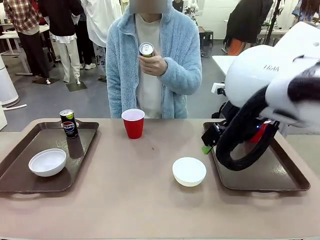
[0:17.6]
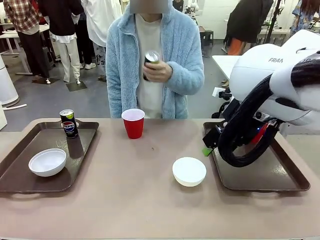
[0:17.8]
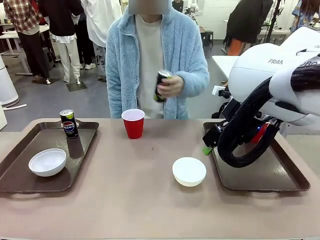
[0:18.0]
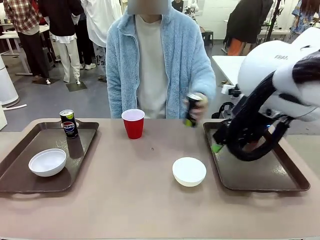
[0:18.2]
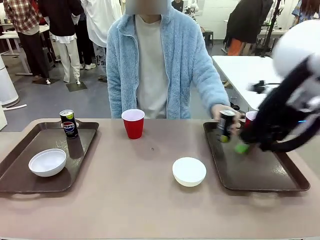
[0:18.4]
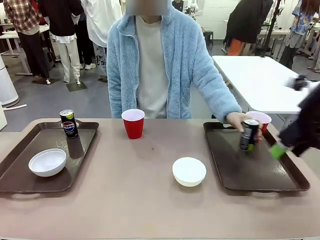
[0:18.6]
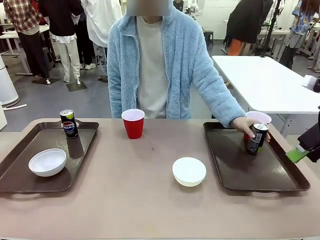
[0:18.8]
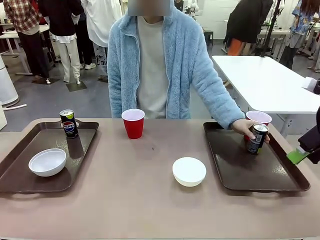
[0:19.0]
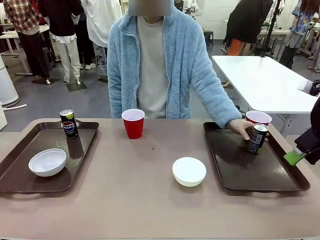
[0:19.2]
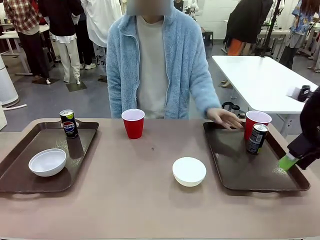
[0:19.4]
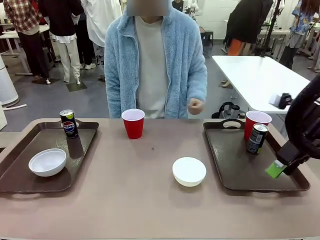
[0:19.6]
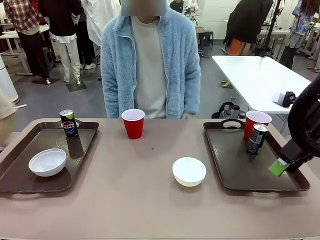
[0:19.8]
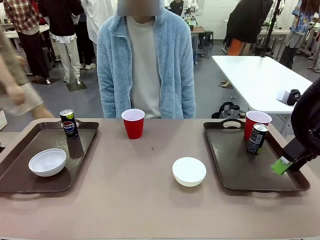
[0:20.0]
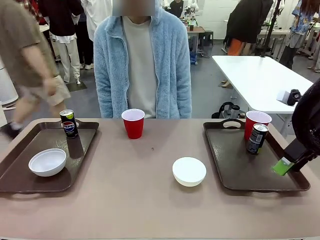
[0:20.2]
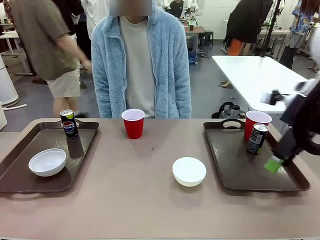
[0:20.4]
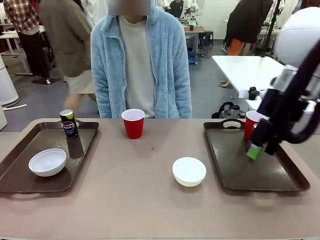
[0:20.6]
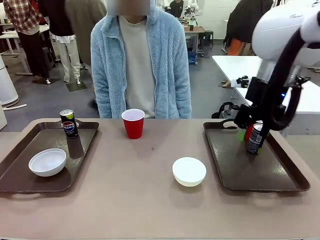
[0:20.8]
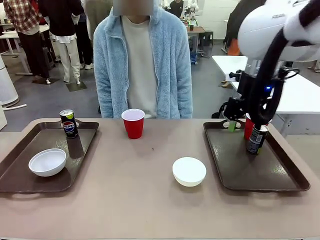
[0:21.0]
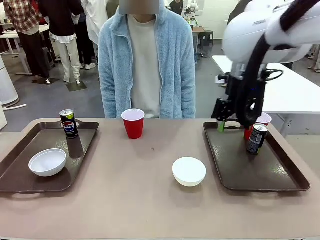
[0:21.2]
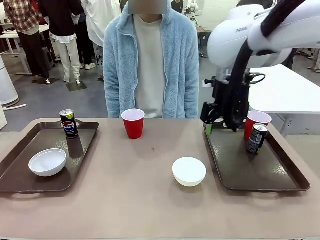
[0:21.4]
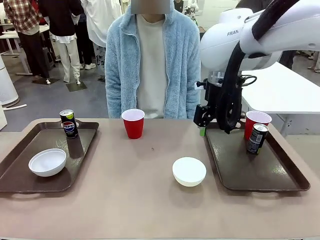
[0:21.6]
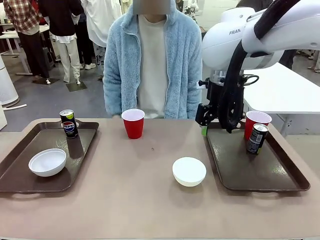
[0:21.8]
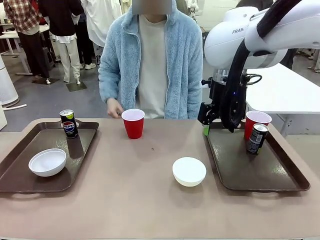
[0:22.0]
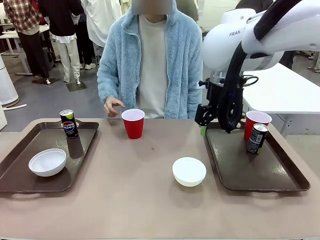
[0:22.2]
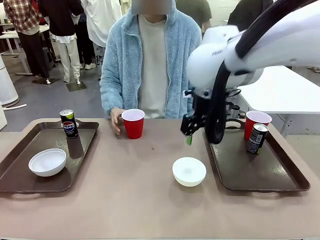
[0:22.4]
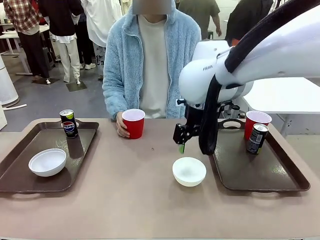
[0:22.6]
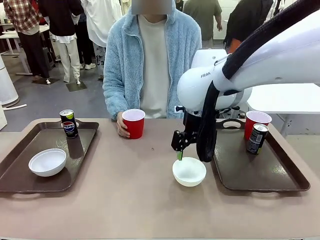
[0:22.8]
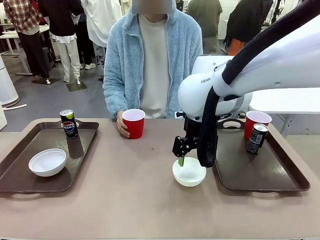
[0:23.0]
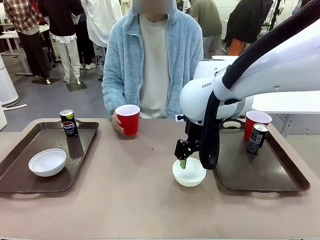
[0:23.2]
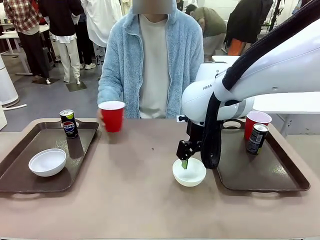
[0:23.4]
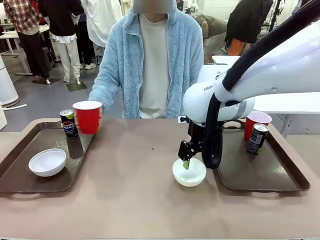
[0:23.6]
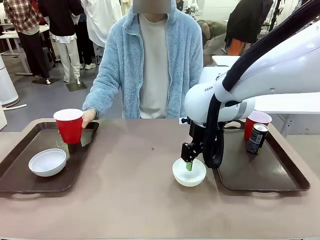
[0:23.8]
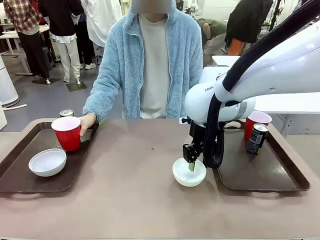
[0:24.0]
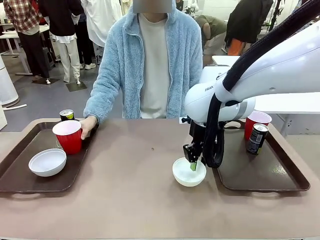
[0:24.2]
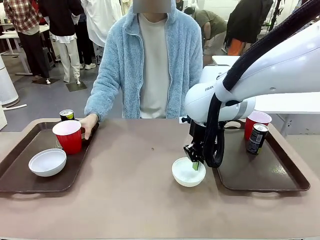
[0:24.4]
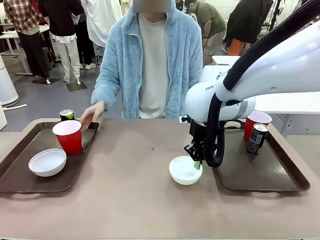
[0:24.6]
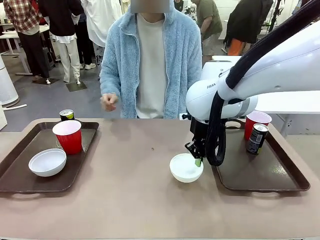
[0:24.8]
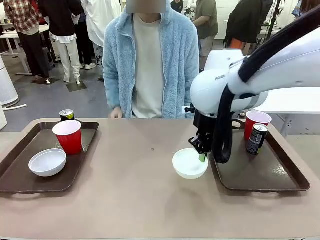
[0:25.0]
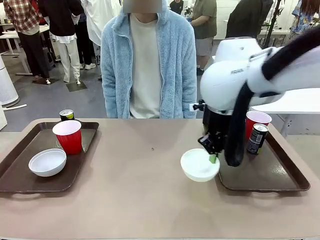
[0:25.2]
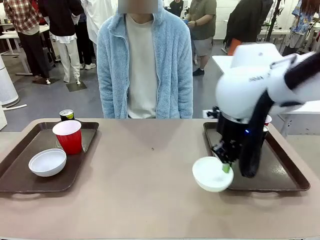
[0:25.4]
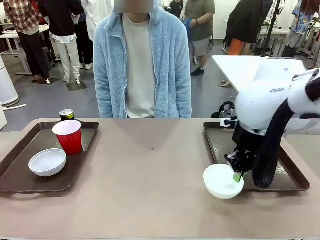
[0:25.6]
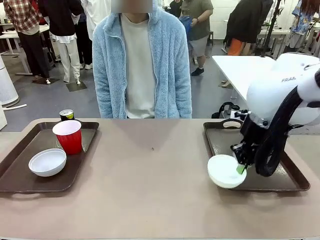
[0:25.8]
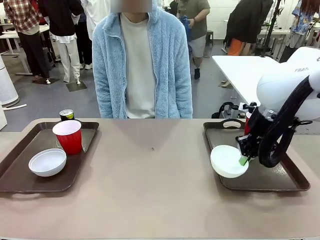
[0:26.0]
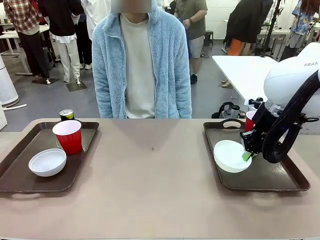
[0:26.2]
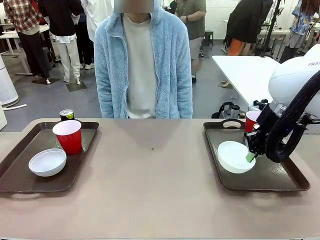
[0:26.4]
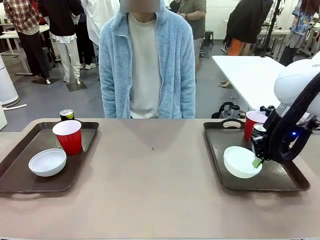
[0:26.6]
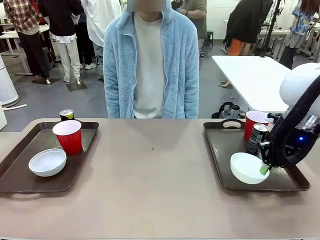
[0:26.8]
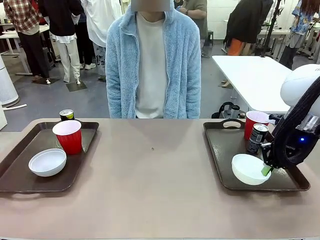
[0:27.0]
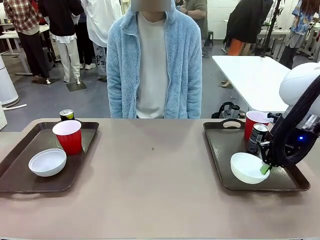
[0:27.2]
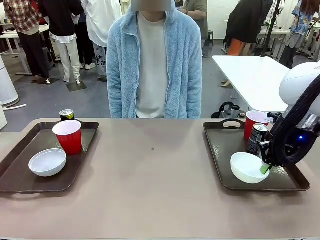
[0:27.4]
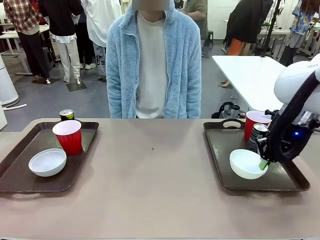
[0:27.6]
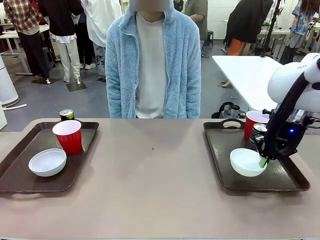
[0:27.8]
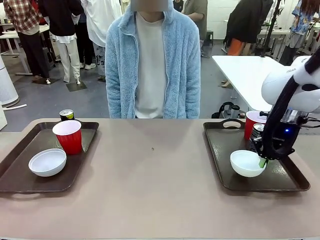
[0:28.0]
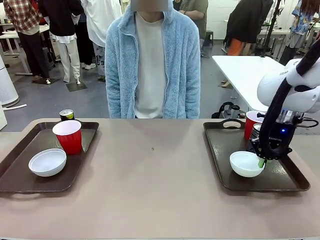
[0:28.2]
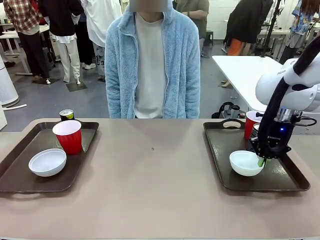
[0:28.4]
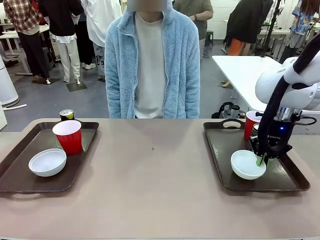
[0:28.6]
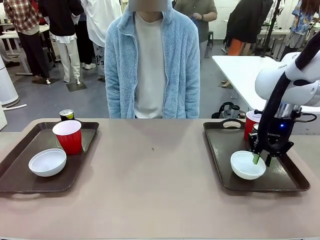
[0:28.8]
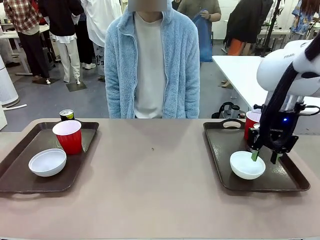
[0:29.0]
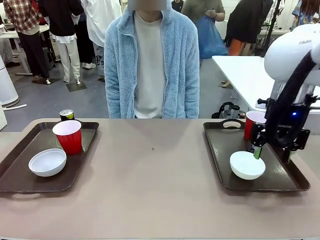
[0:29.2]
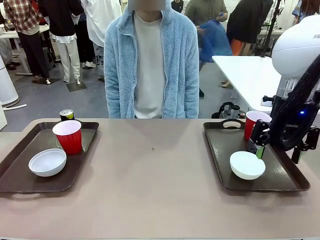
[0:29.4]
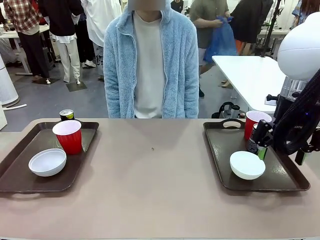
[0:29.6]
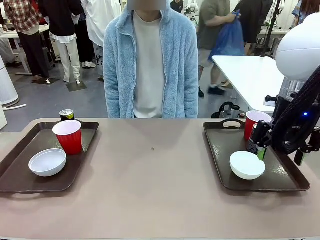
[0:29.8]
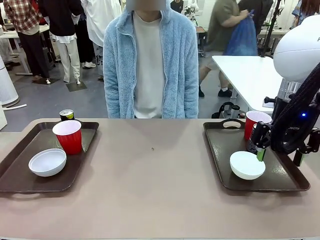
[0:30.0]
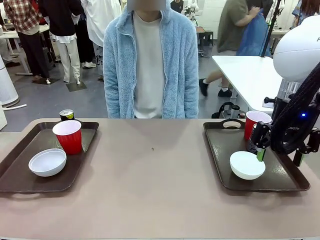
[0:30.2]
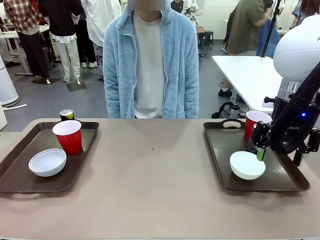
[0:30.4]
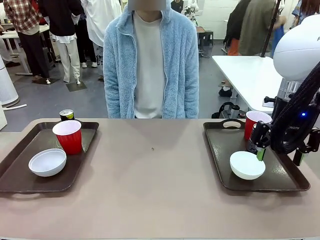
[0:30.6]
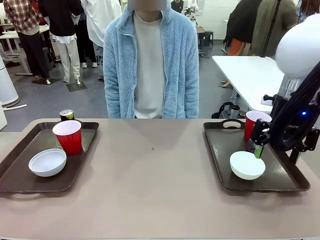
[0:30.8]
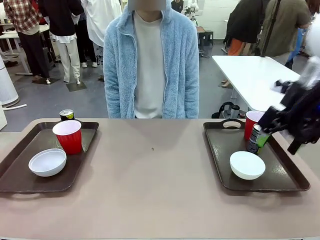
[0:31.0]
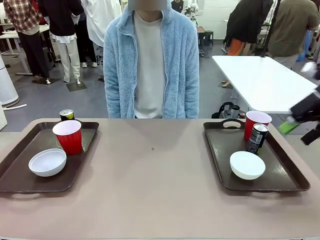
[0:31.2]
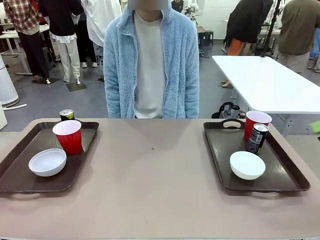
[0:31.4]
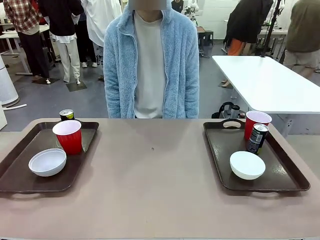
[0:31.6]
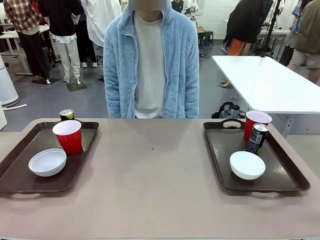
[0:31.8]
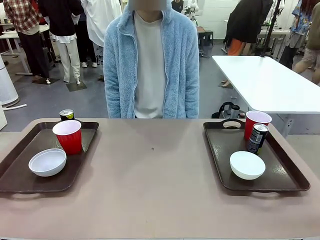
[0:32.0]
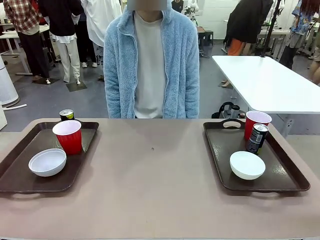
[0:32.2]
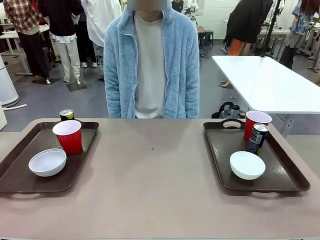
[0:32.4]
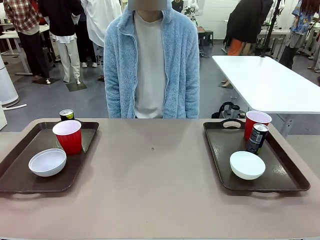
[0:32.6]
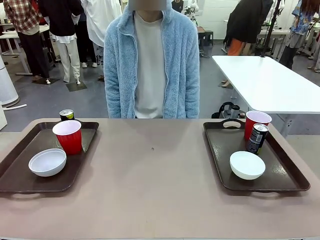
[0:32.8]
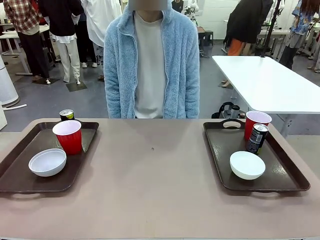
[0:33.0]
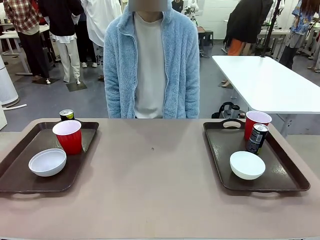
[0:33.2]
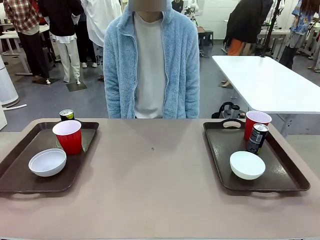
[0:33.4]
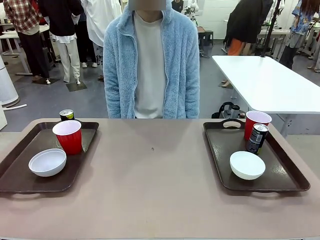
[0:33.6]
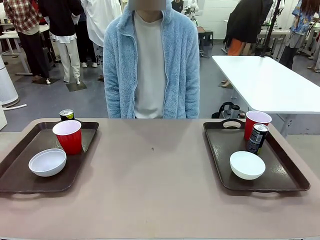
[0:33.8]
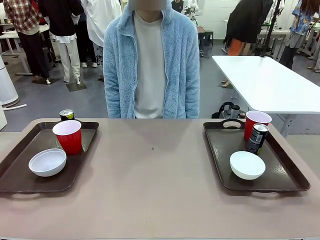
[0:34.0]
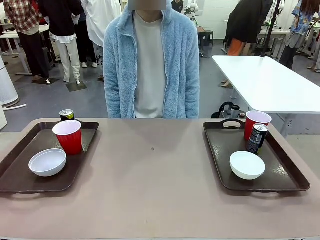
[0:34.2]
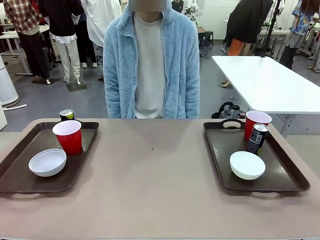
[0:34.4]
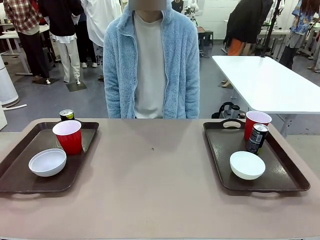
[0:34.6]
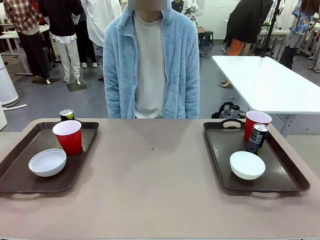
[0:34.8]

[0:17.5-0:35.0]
Task: Prepare tableware on both trays.
Robot: Pick up a Picnic Bowl from the table and place it on a Handle tray.
Person: Pick up a can or cup and place it on the tray without a can or cup.

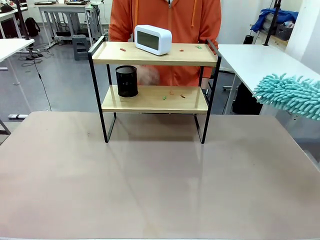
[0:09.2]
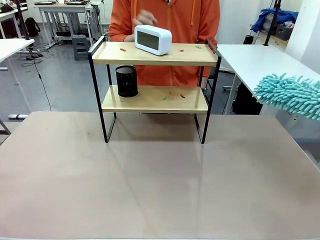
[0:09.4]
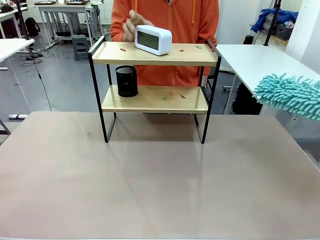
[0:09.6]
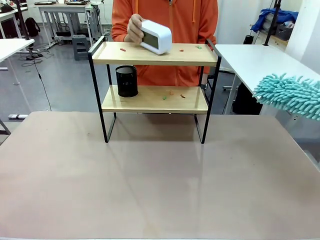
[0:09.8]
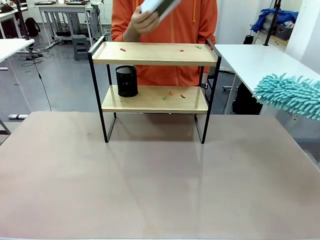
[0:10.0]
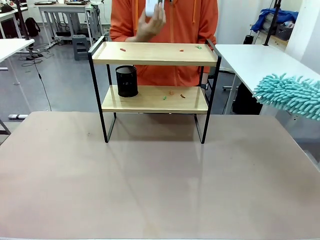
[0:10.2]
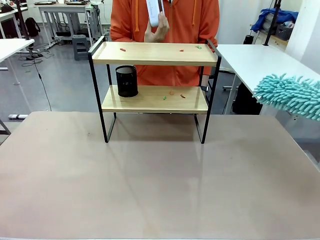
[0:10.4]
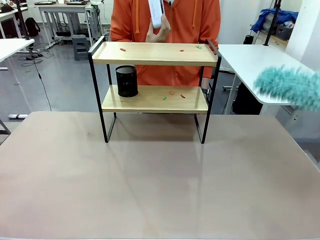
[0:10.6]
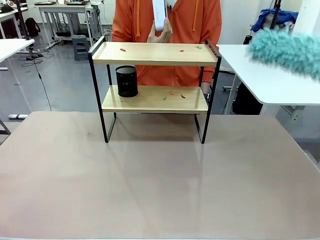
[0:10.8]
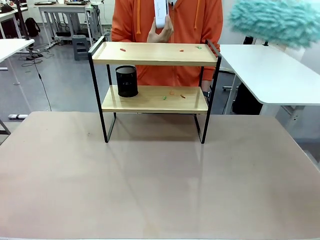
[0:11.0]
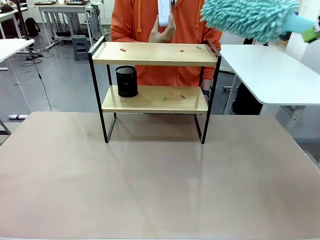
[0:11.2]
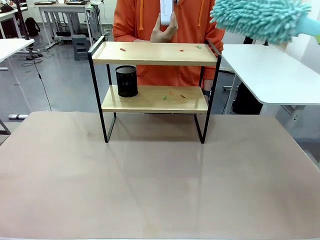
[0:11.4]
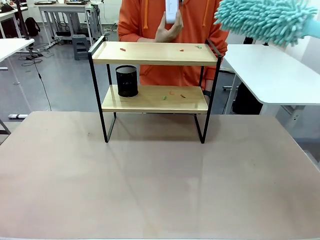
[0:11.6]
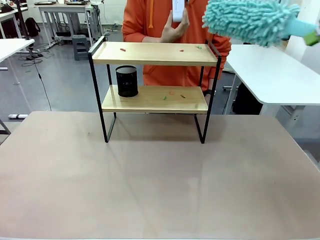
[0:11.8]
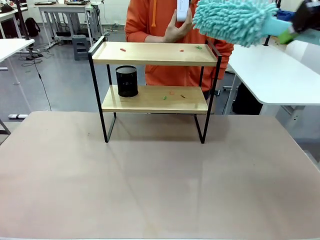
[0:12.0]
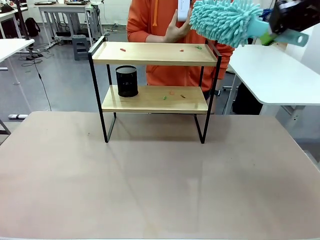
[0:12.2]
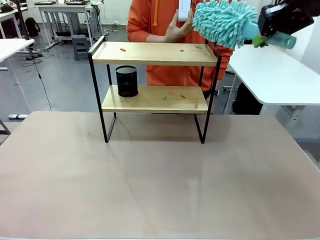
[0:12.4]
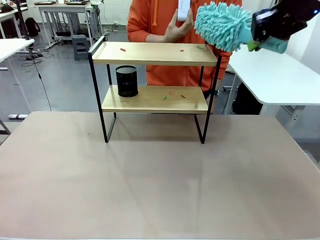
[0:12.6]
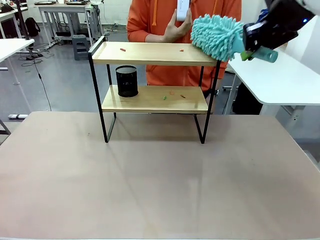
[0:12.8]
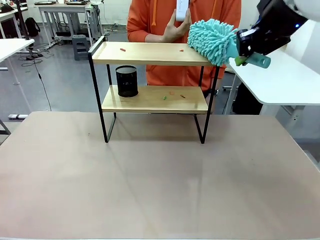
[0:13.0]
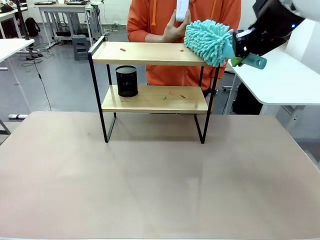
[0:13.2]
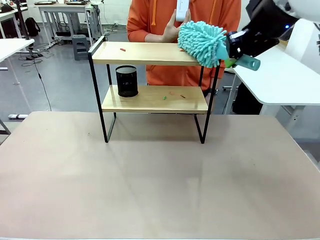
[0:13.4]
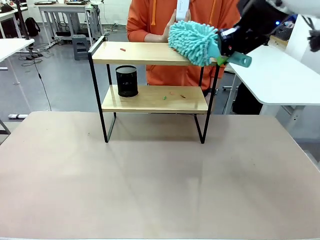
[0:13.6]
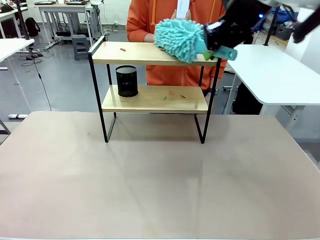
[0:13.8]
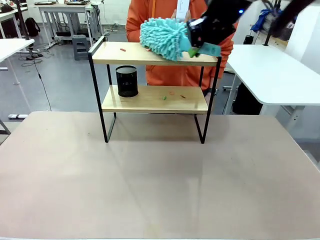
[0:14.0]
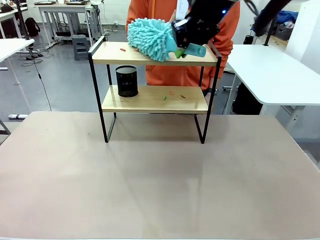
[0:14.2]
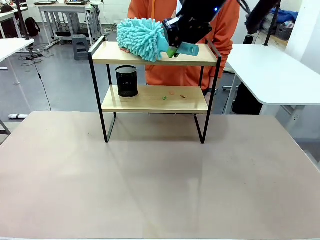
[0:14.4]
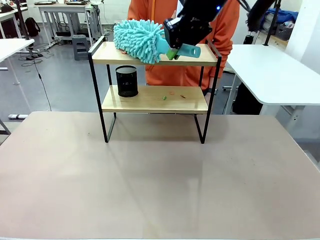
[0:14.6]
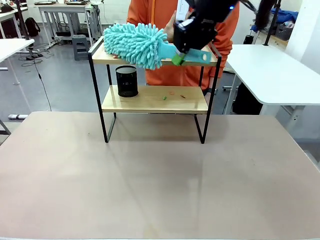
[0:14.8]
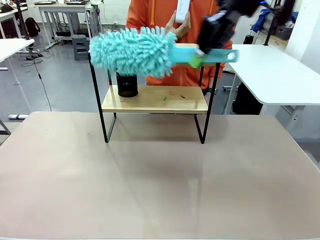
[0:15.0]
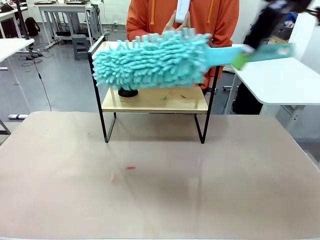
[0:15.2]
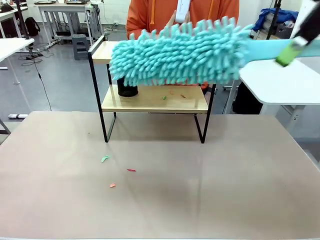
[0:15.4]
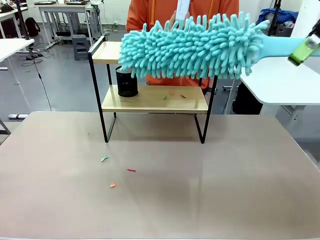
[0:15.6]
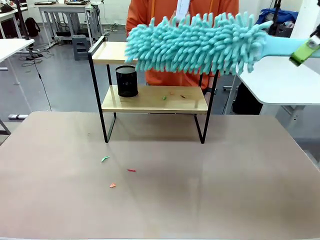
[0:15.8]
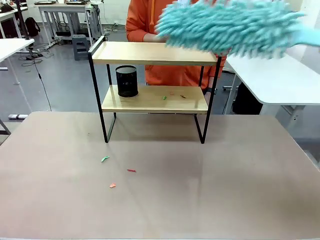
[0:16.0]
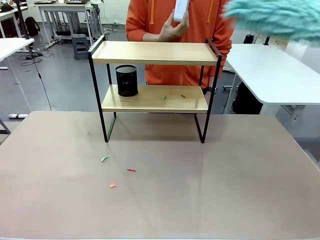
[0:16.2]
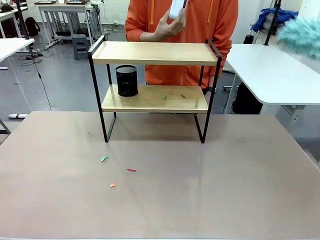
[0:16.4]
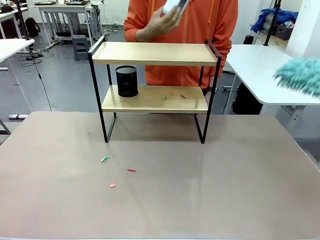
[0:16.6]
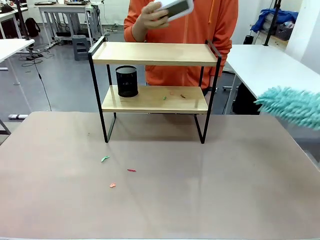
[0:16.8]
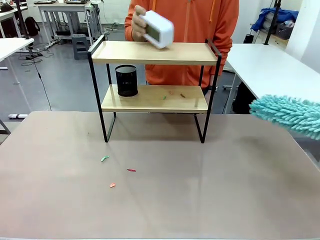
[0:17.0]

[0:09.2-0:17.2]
Task: Clean the shelf.
Robot: Clean the specific tier of the Shelf with the Duster once objects are removed.
Person: Lift the objects on a randomly selected tier of the Shelf. Once the robot finishes cleaning, lift the objects on the remaining tiers of the Shelf.
